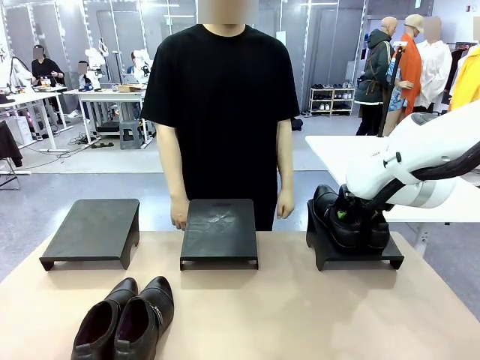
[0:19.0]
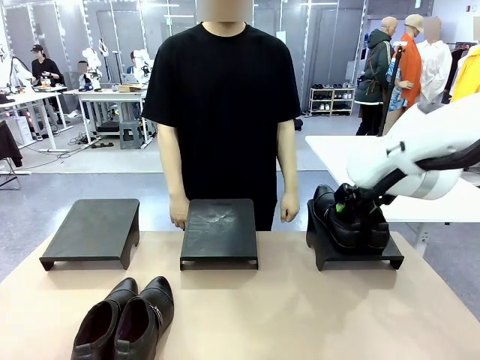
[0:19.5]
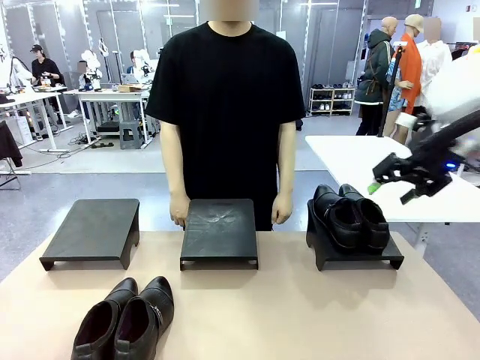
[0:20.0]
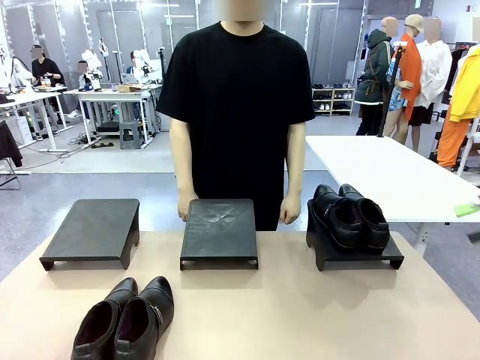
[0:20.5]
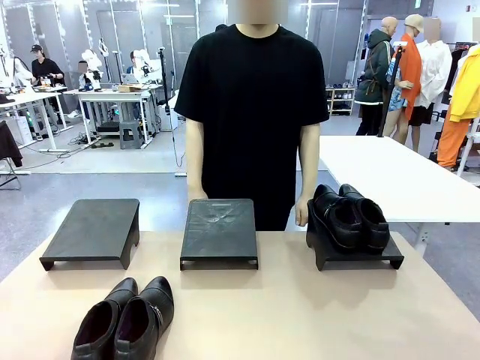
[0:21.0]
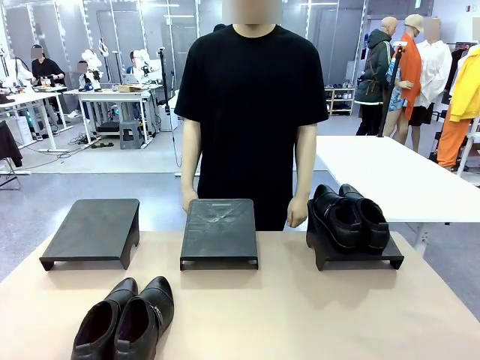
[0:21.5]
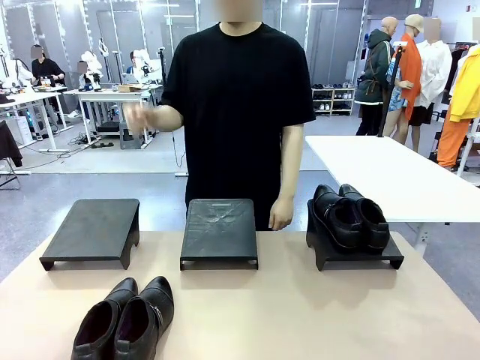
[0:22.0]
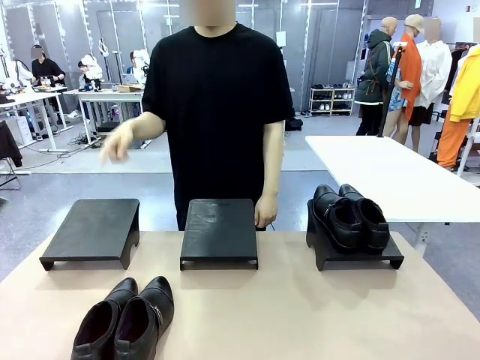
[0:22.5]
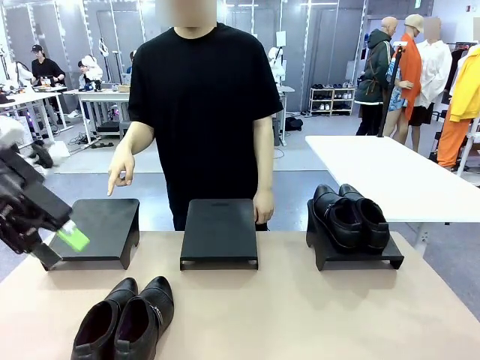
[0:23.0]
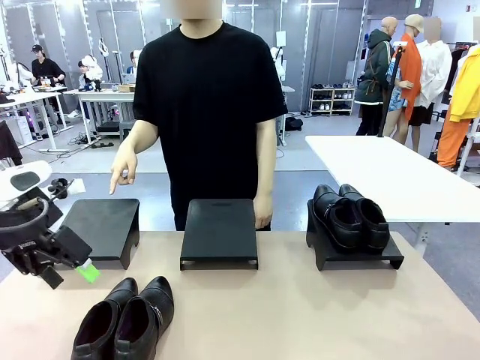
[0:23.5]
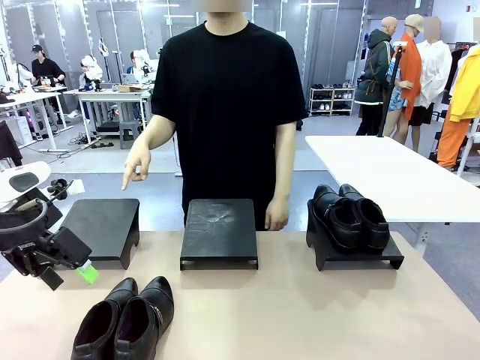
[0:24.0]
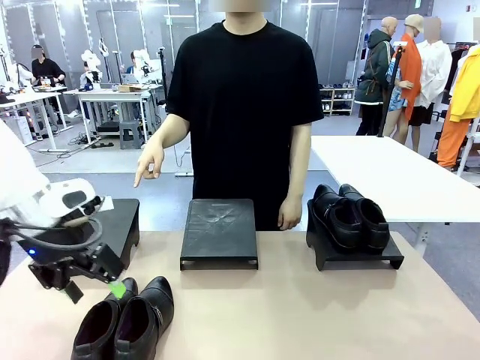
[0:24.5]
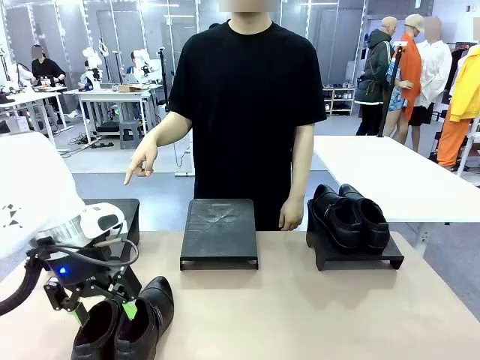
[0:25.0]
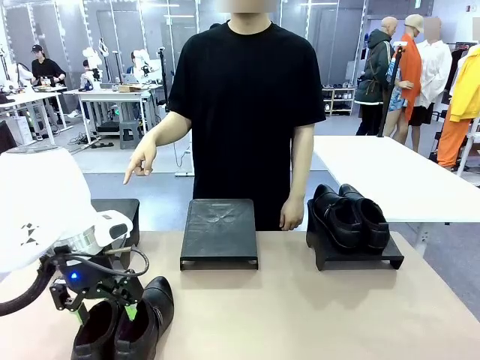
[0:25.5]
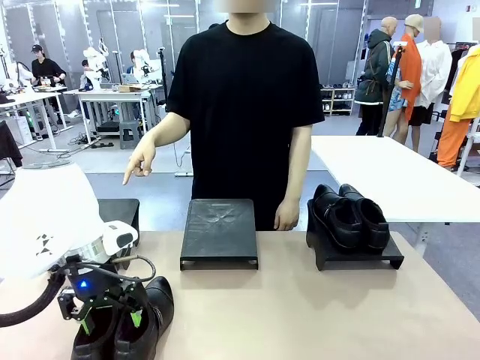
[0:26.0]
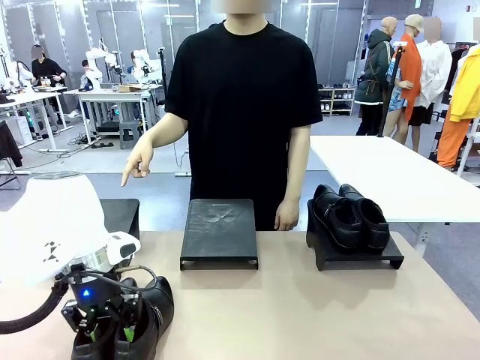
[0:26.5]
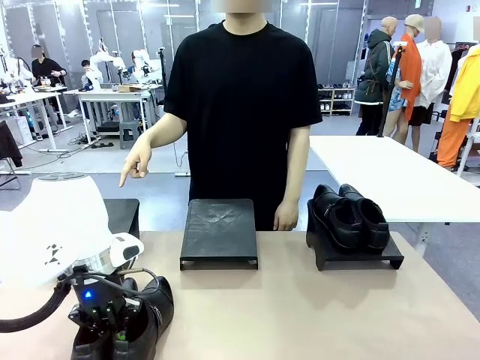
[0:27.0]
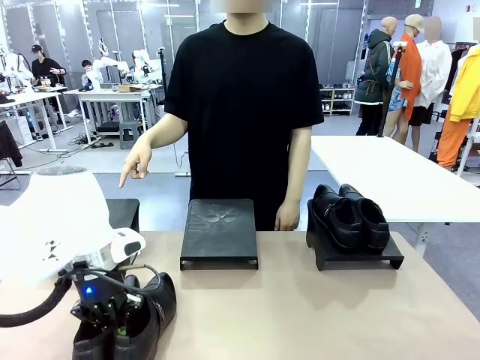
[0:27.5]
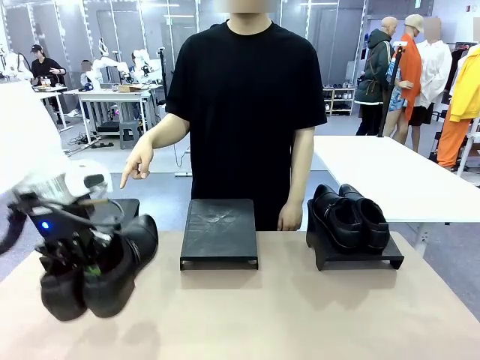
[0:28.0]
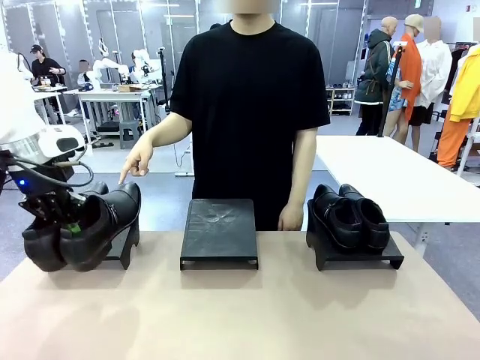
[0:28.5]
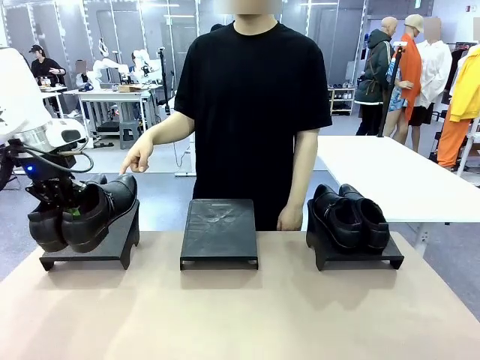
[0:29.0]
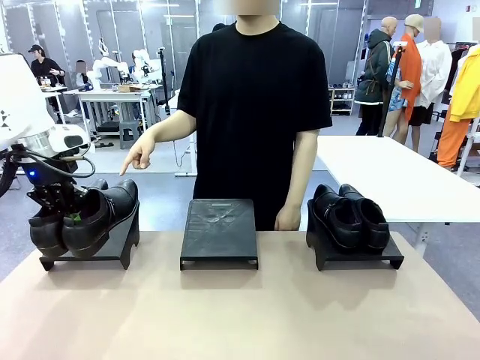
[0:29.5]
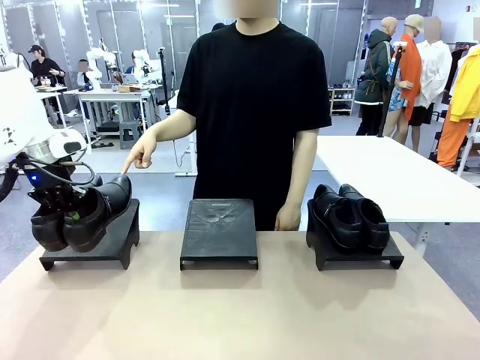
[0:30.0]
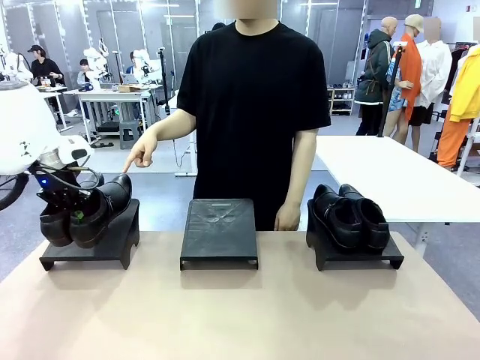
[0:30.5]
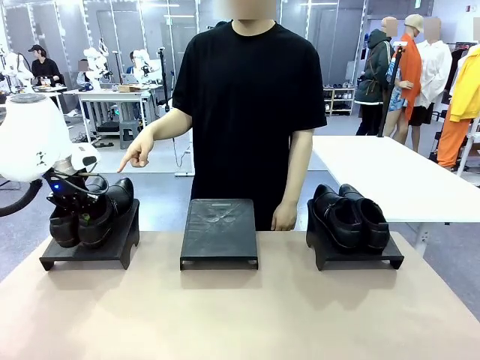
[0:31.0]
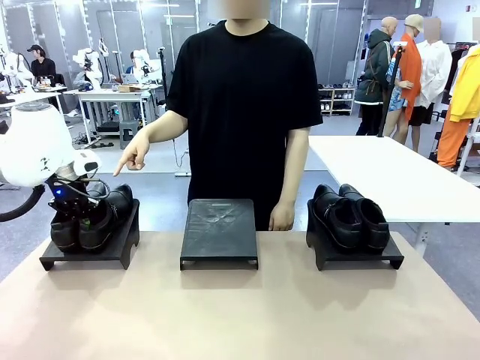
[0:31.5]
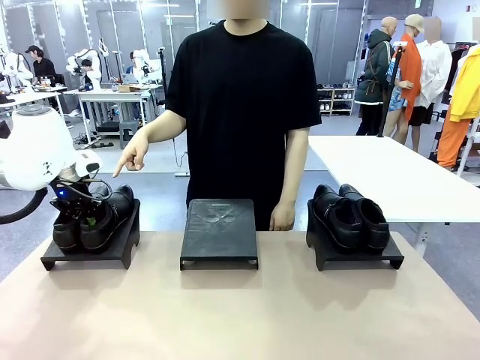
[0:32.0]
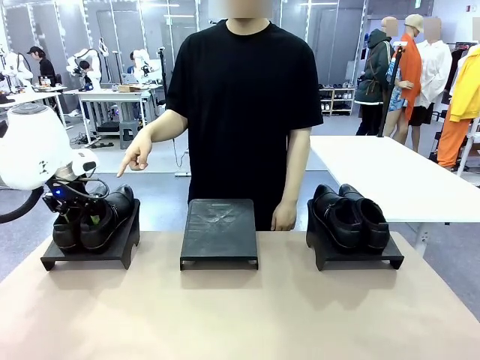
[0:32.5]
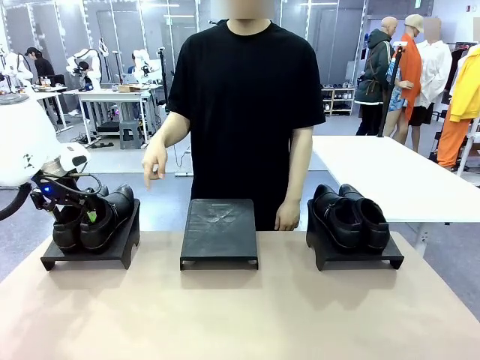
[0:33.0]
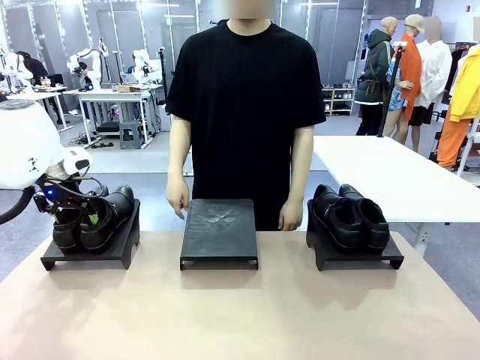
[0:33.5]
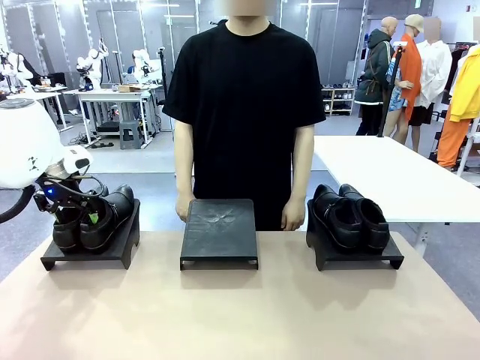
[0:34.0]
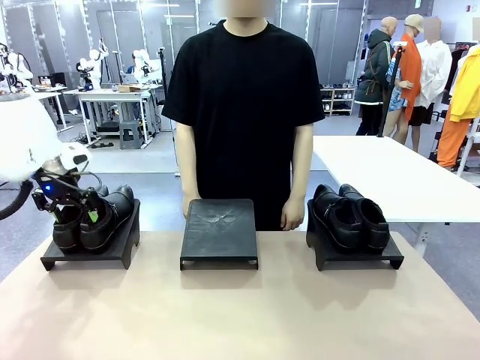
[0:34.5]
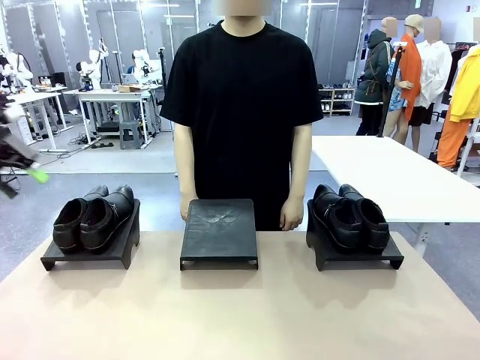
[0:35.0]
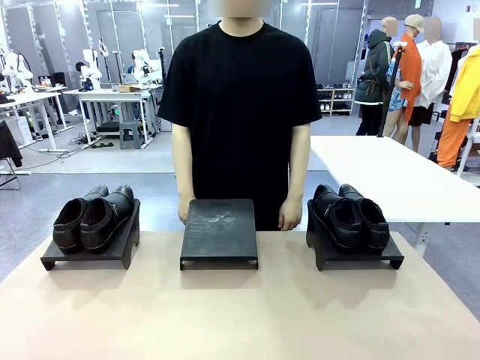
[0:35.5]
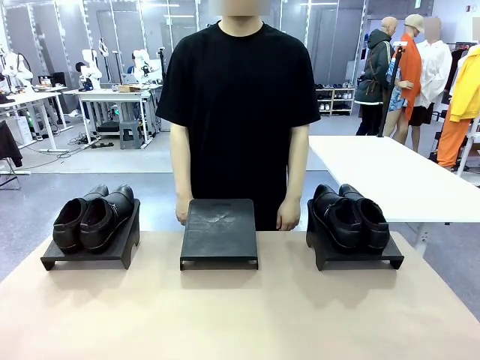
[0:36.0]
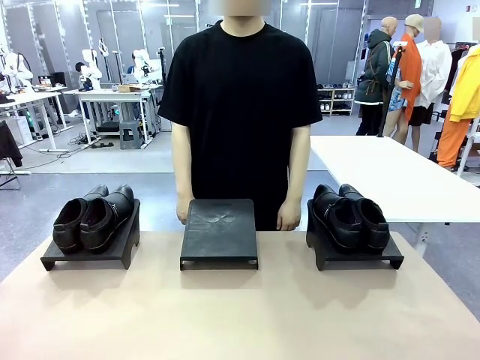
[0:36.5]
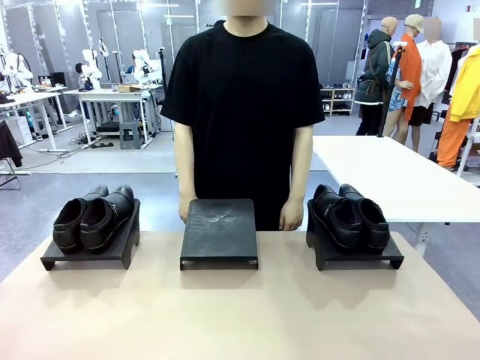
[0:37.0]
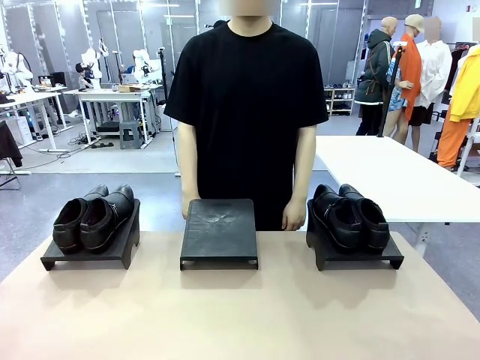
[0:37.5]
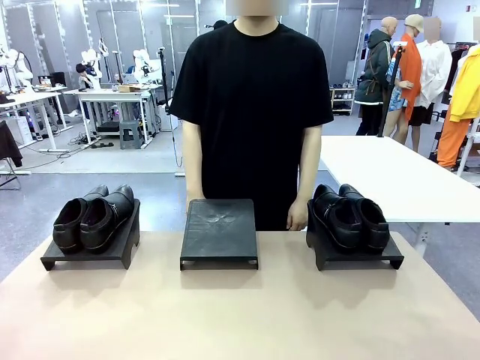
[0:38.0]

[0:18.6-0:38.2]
Task: Place the shoes on the stand as instructed by the person.
Robot: Pick up another pair of Shoes and place it on the Shoes Stand indicated by the person.
Person: Point to one Shoes Stand.

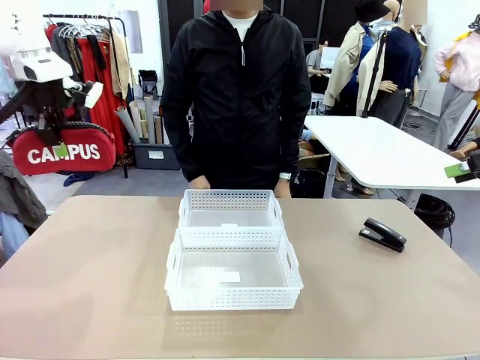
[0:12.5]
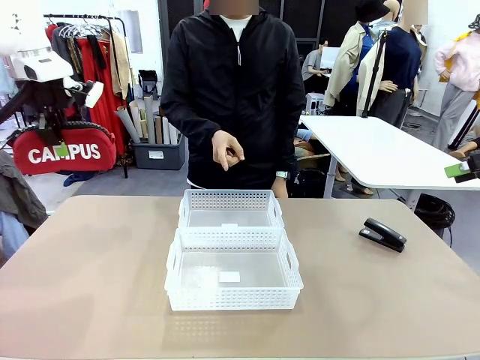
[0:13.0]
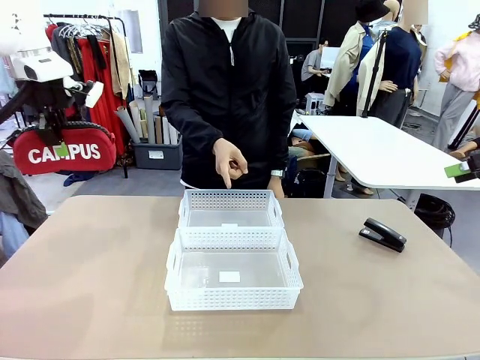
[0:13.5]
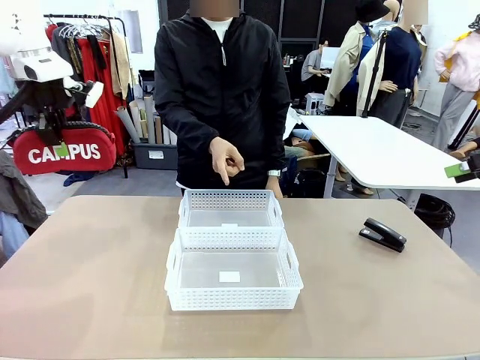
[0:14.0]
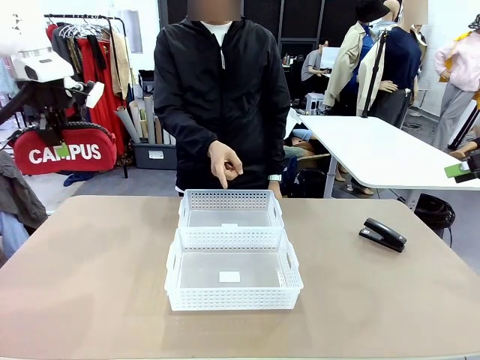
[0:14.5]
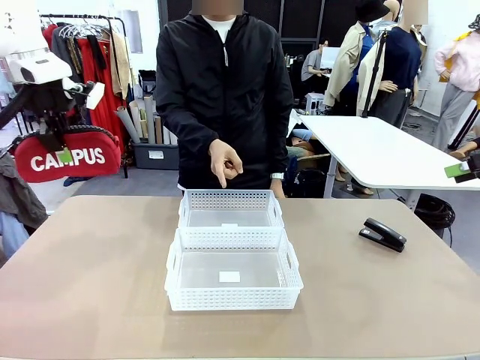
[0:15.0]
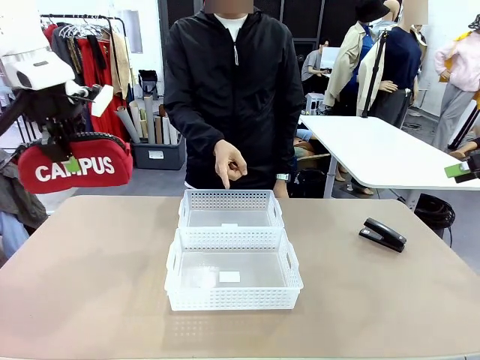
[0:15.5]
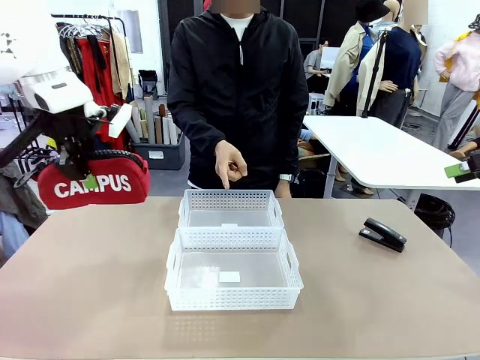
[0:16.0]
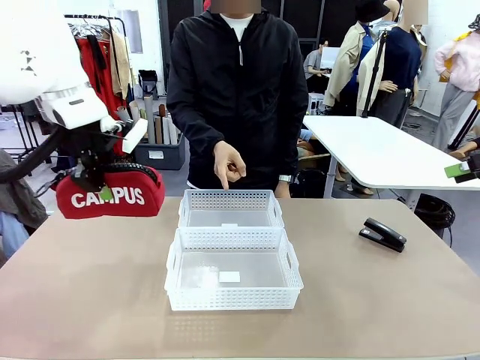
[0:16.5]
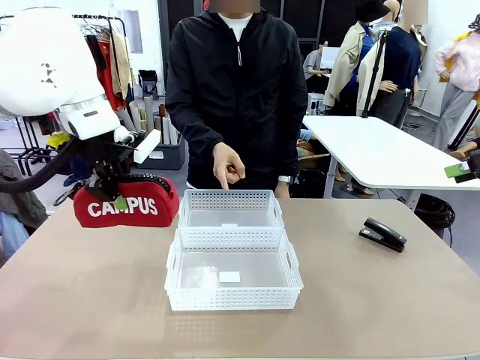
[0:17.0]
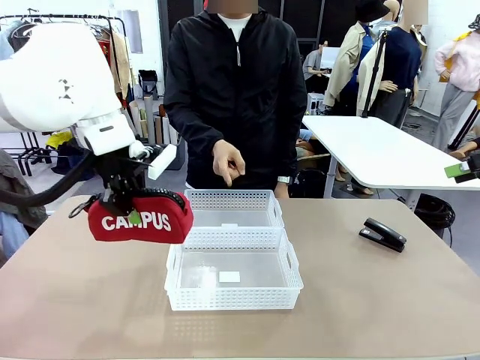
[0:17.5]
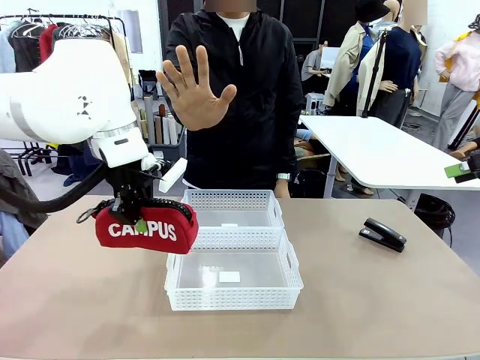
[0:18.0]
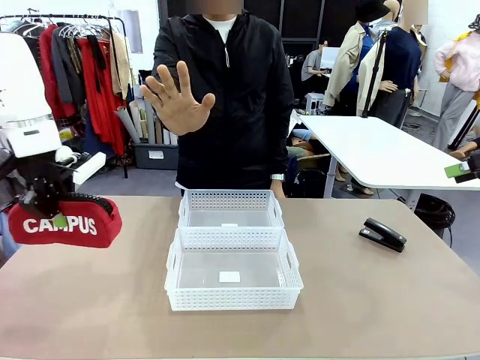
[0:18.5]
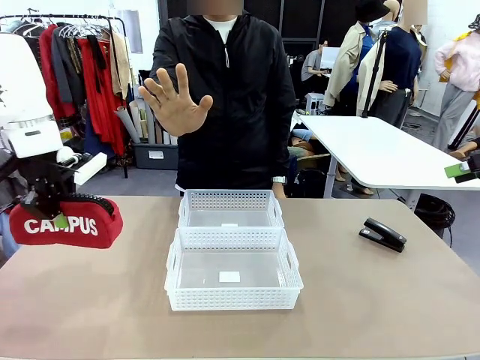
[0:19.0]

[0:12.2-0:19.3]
Task: Distribute items into two baskets.
Robot: Move the picked Pencil pouch towards the Organizing basket indicated by the person, stopping as directed.
Person: Sends a stop gesture before the robot places the pencil case into the basket.
